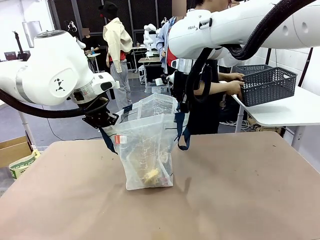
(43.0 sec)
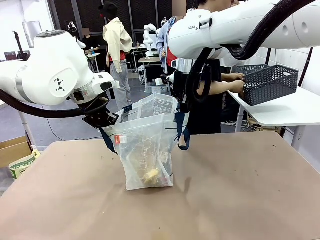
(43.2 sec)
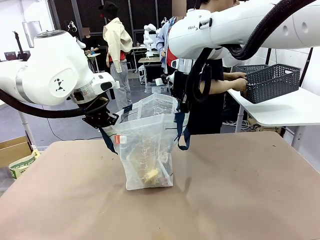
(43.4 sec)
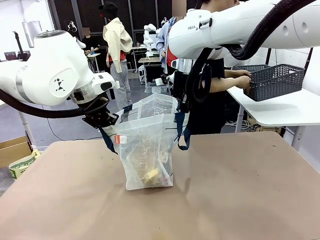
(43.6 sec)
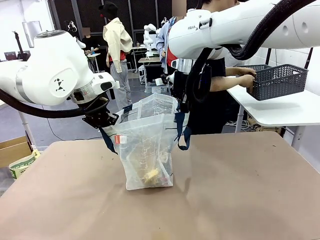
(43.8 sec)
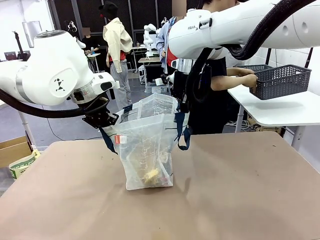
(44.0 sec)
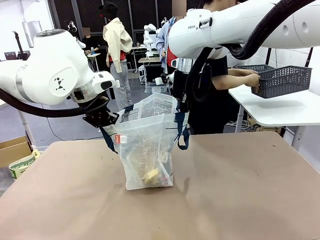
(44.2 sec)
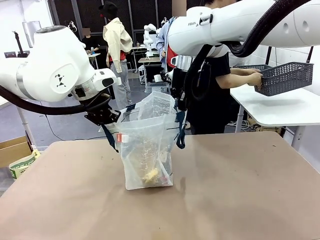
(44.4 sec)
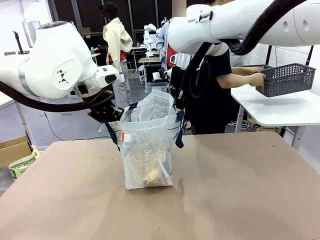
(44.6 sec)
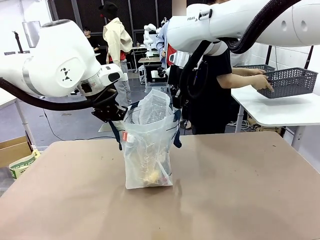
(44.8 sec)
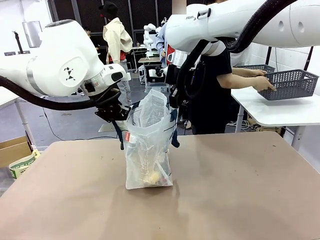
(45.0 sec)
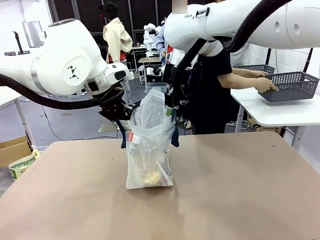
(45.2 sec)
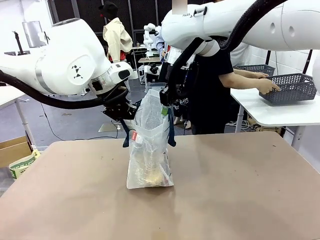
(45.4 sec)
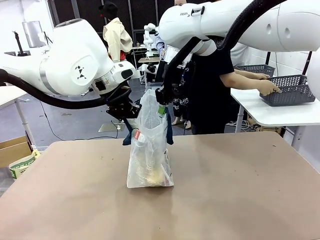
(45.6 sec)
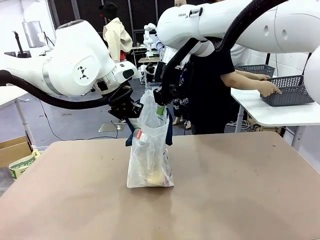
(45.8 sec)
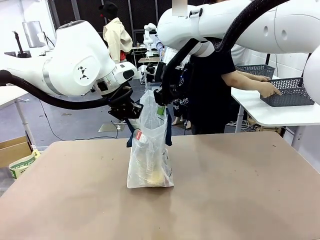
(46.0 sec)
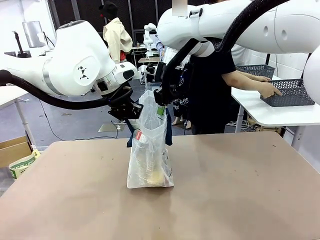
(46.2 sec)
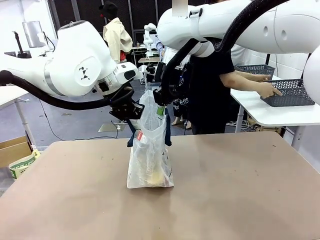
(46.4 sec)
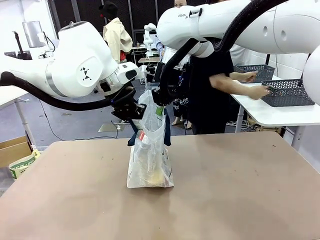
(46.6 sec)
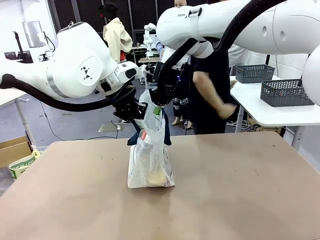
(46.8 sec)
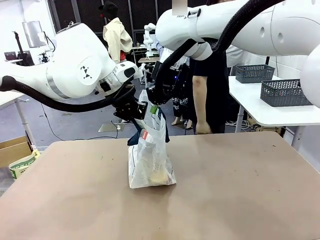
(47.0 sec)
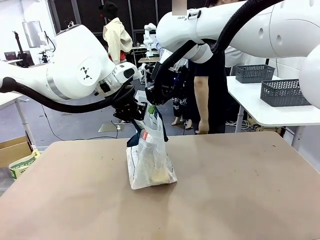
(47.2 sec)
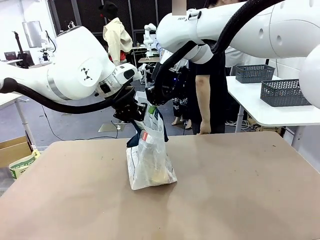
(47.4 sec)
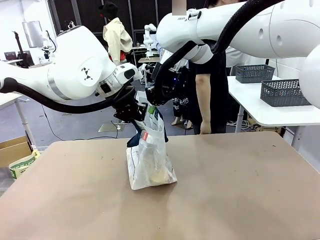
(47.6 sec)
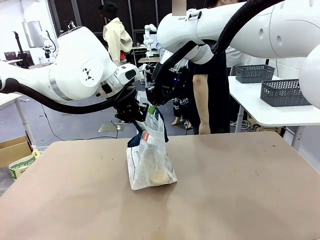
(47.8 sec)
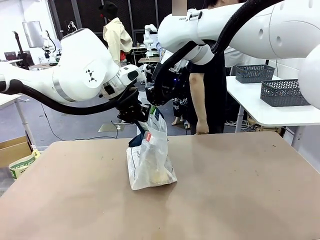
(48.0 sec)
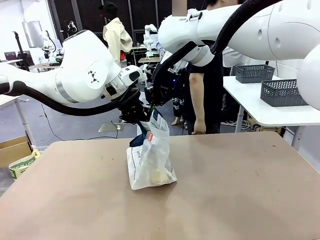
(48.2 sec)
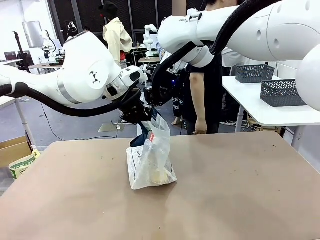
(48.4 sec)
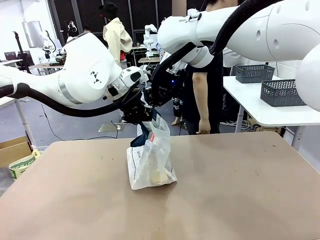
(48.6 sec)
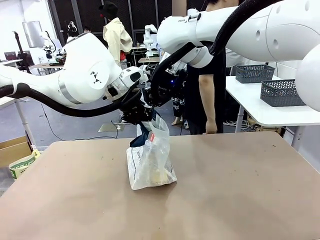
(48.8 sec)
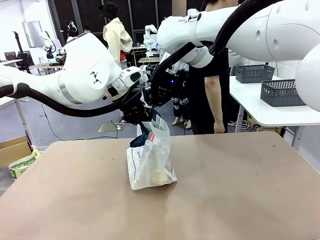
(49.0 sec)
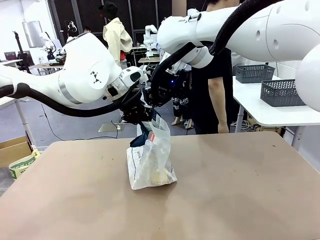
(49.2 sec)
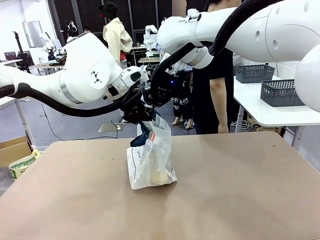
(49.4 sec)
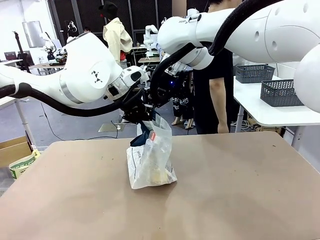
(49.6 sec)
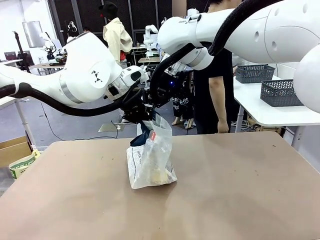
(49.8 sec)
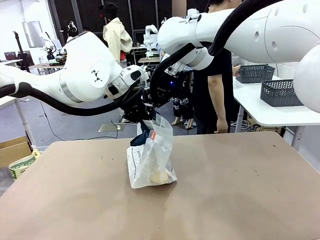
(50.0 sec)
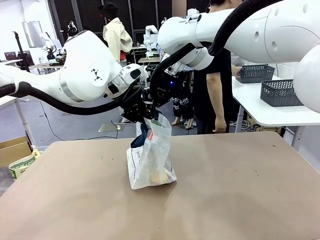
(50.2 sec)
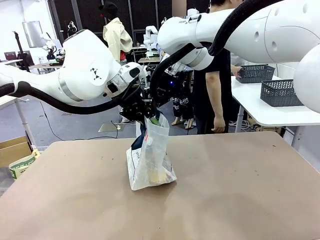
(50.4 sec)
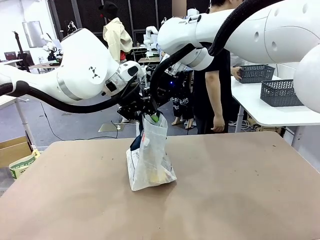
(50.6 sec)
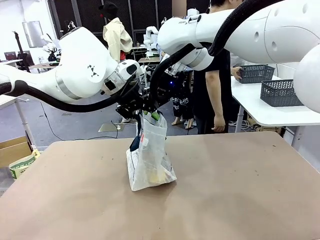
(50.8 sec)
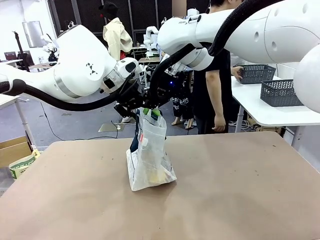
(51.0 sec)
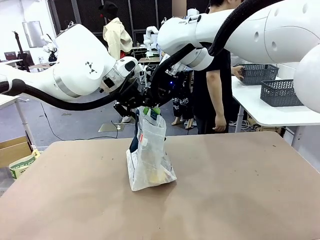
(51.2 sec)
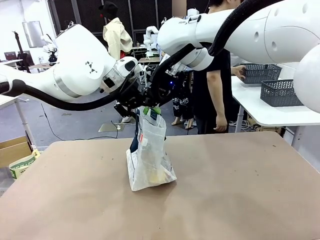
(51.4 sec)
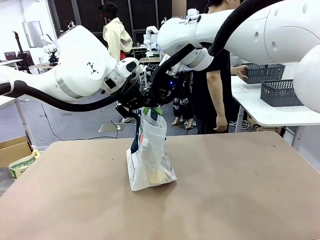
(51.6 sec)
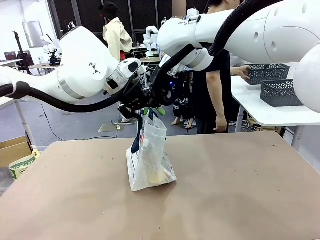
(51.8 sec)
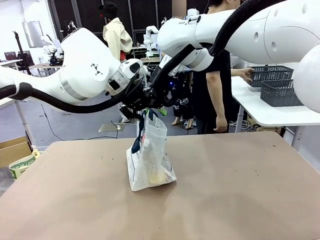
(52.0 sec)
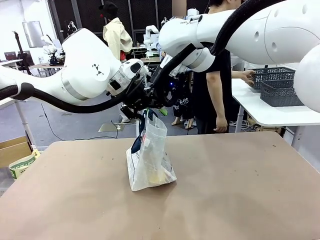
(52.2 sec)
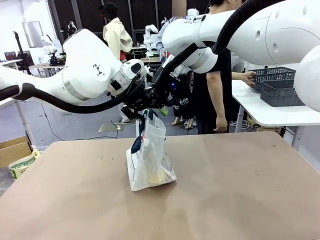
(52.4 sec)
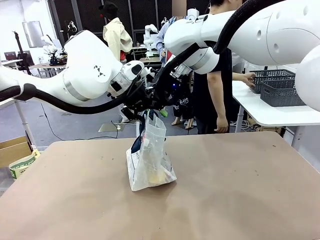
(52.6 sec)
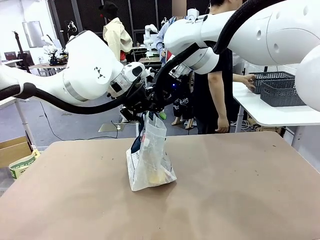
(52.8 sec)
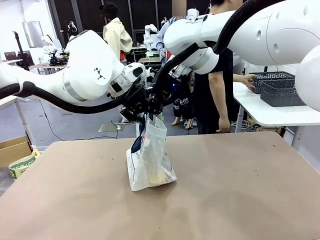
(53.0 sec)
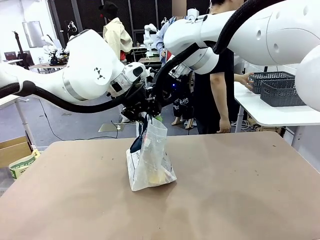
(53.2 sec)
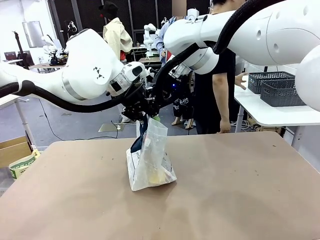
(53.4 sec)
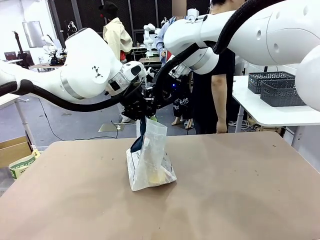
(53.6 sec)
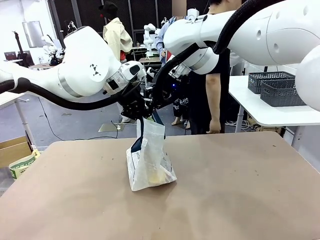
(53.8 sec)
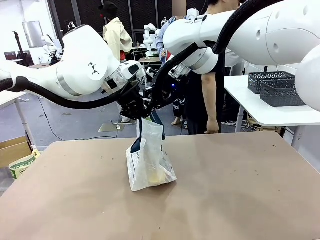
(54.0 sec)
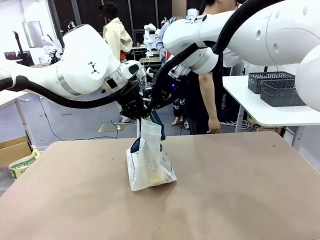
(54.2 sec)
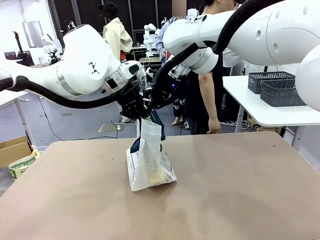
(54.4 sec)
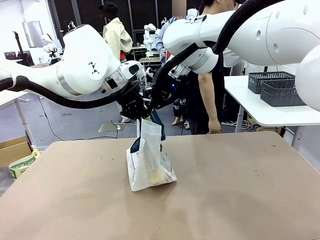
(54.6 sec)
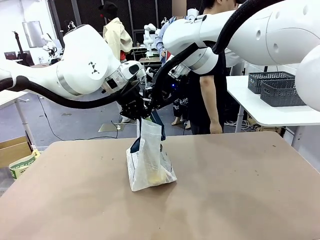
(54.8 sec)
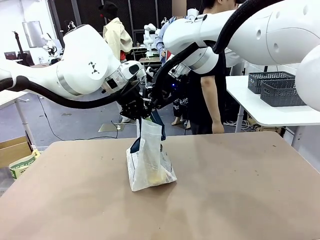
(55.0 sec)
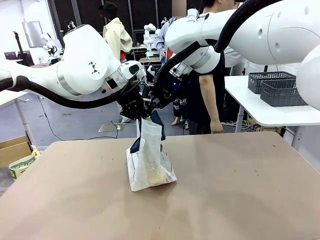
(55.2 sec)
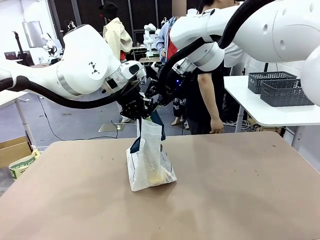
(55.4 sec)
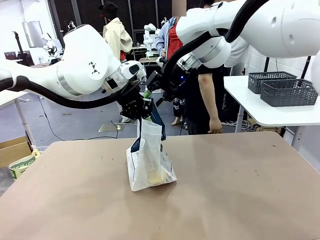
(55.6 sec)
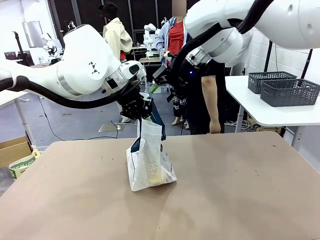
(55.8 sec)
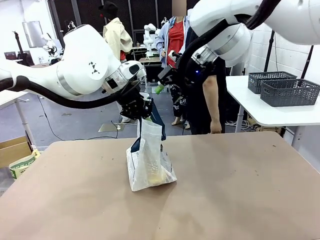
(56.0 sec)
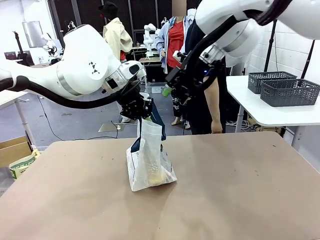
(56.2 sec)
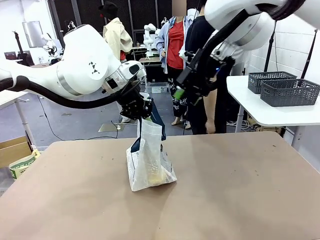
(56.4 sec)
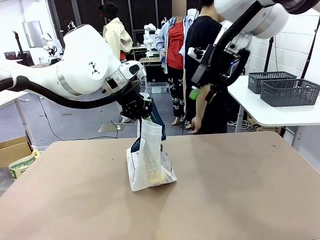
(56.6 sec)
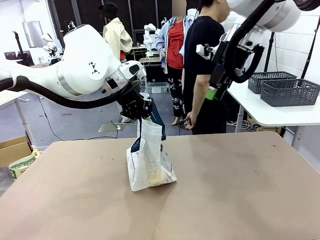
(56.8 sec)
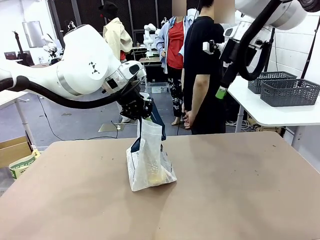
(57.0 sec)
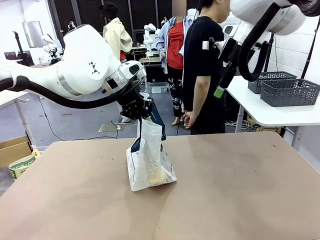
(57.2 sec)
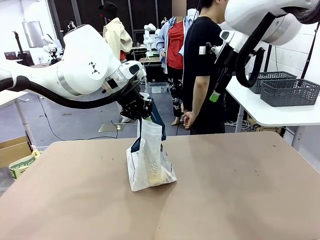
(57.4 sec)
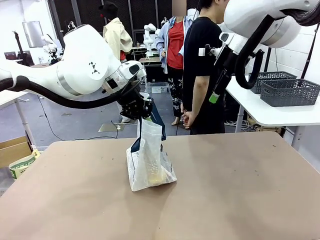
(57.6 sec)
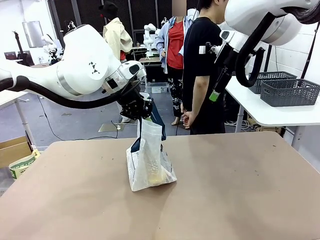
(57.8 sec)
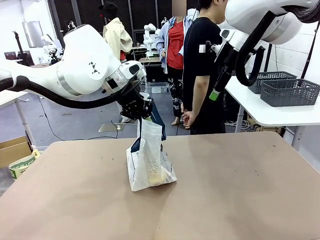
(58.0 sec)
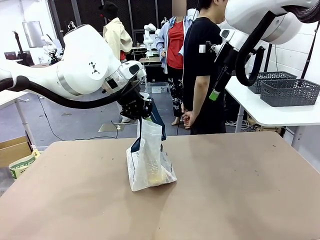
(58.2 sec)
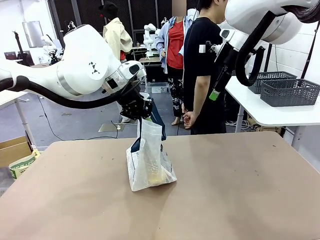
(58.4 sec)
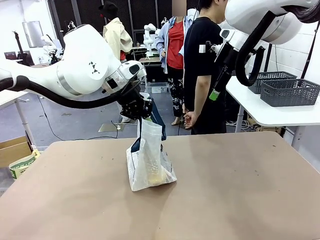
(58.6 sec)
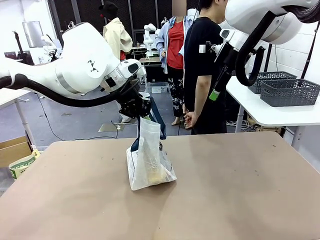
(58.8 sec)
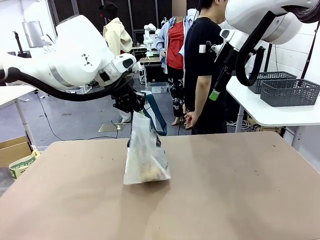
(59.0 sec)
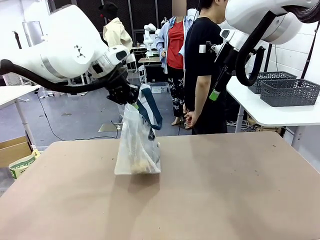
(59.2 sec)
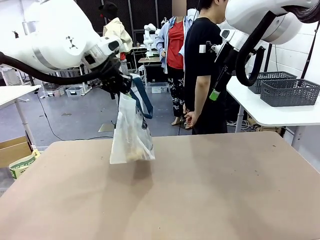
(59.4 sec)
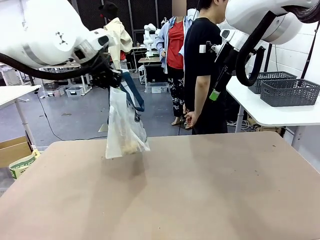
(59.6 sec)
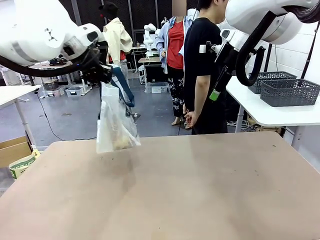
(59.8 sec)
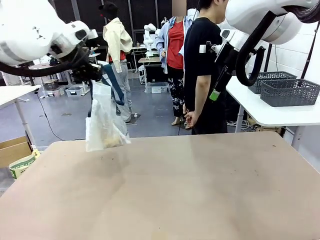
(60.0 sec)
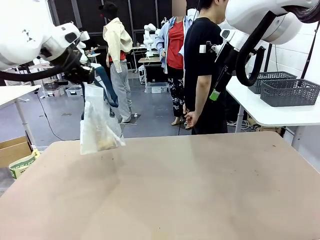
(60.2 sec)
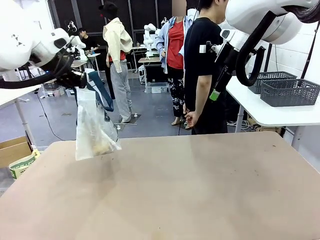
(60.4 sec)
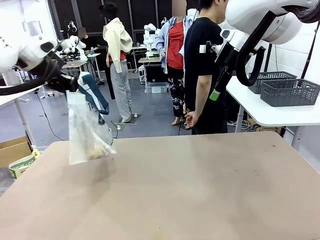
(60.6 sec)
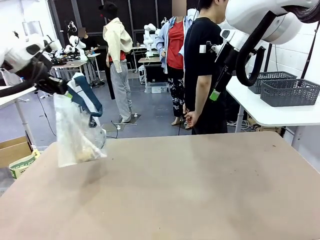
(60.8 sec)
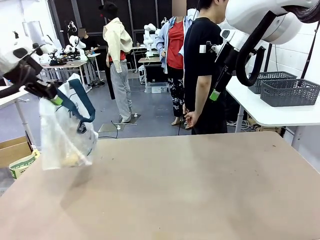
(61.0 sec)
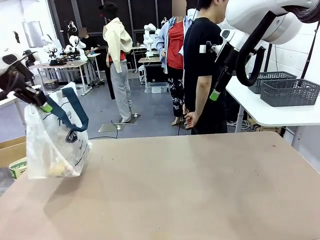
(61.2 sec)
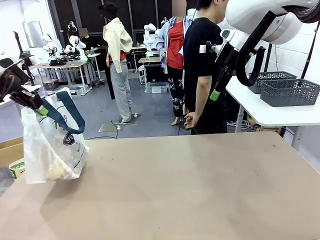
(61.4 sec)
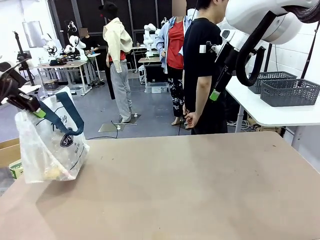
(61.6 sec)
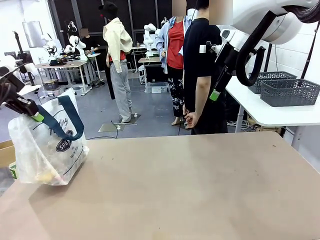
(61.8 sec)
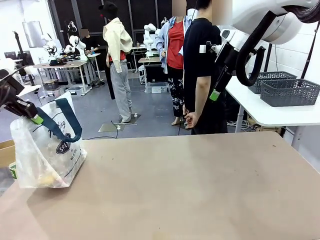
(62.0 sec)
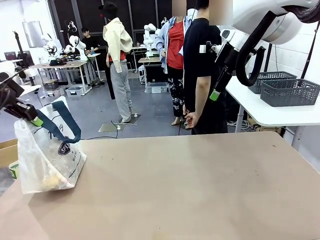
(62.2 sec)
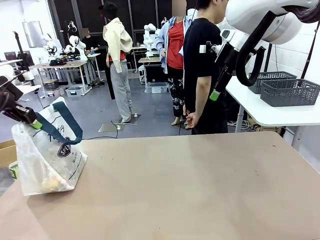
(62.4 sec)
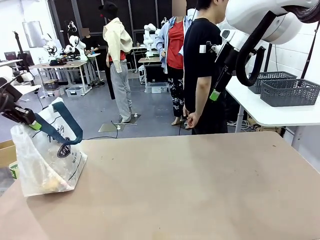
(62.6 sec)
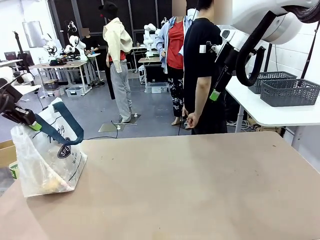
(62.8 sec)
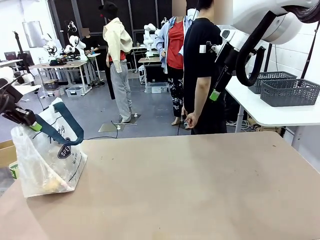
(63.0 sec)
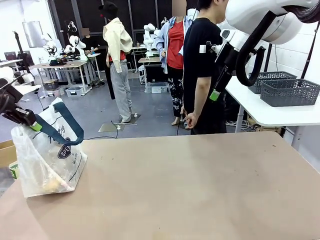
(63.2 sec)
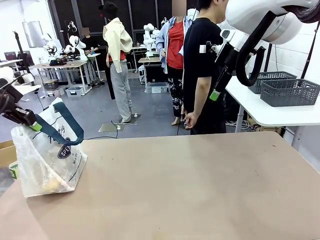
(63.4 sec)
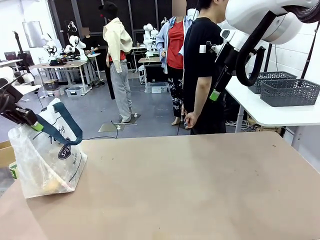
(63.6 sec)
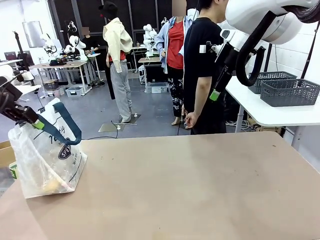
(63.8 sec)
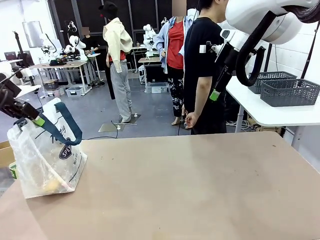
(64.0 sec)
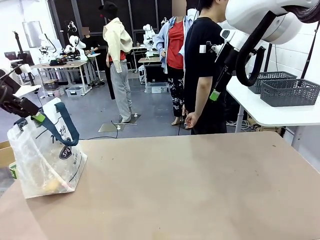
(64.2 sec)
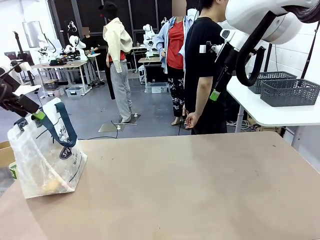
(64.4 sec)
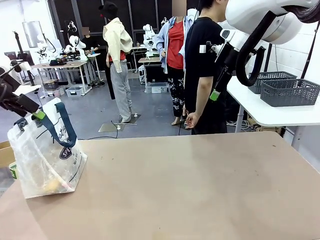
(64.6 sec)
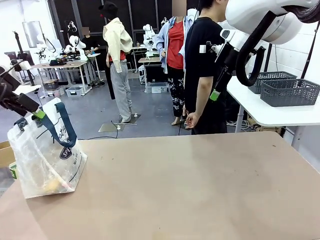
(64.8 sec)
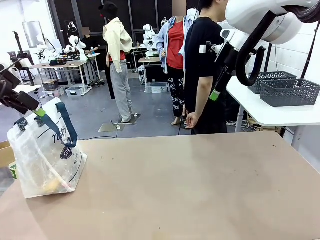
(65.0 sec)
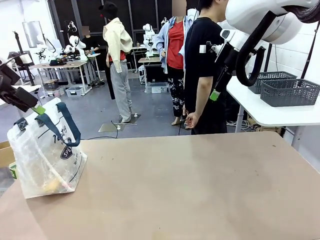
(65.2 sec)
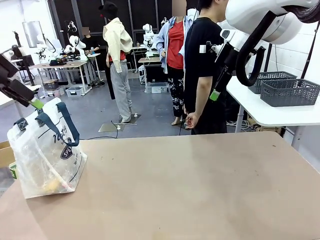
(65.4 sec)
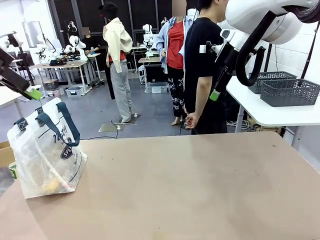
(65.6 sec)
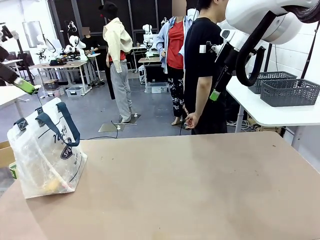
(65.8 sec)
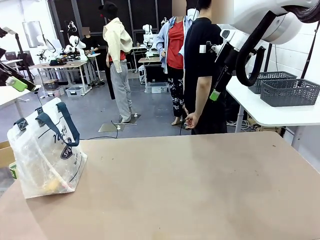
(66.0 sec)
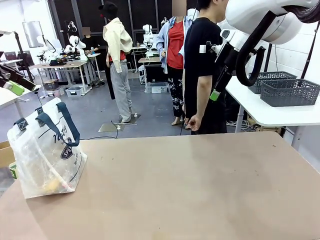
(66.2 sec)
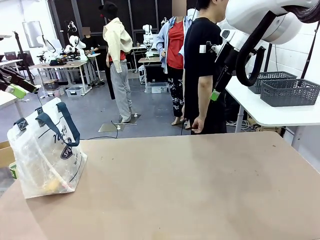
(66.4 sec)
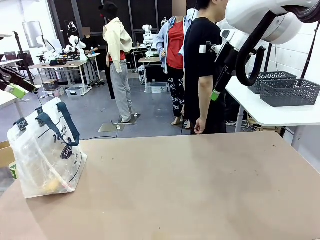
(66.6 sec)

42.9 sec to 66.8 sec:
Task: Transfer purchased items from the store into the shopping bag.
Robot: Move the Reusable shopping bag to the right side of the table.
Person: Move the basket on the left to the middle of the person's table.
